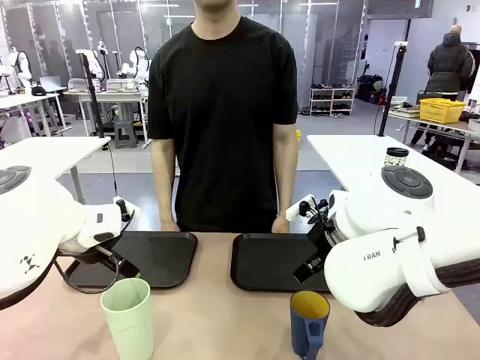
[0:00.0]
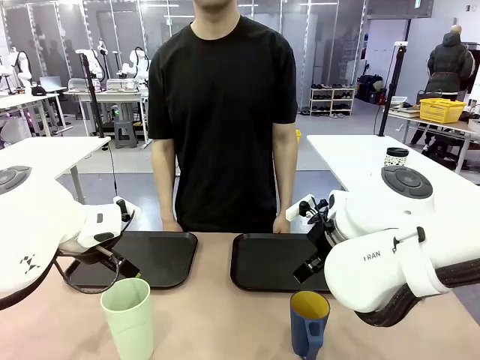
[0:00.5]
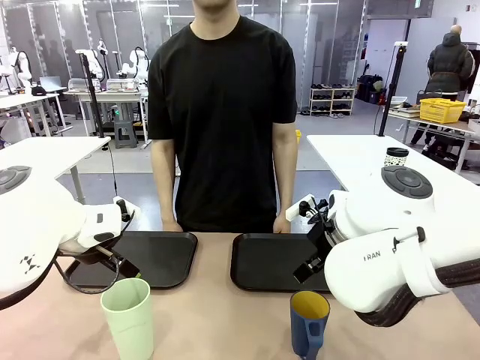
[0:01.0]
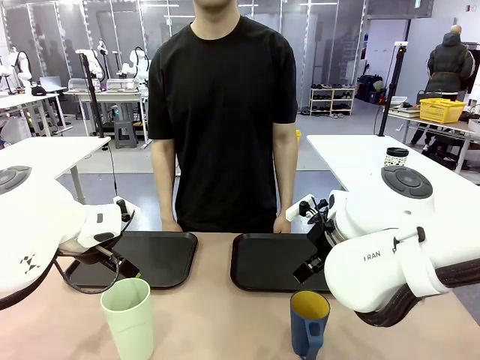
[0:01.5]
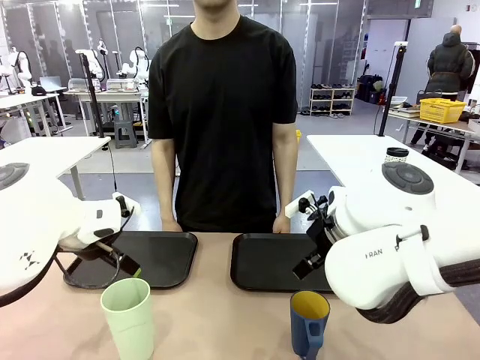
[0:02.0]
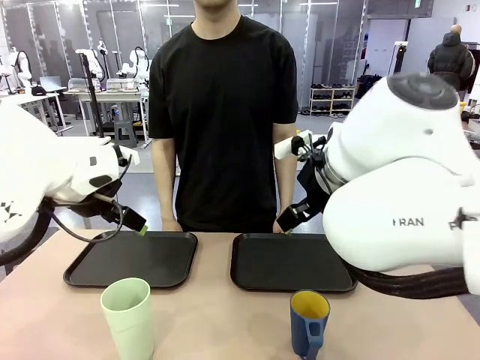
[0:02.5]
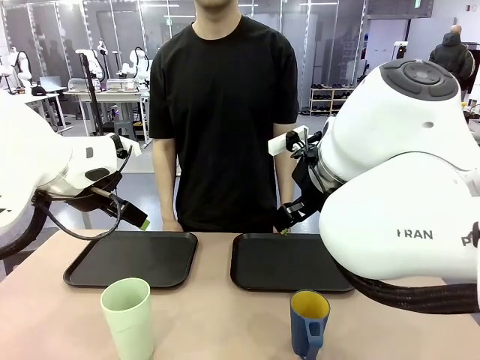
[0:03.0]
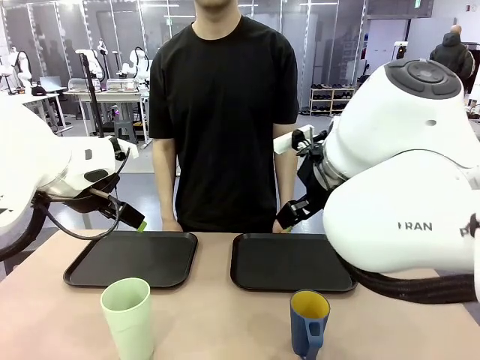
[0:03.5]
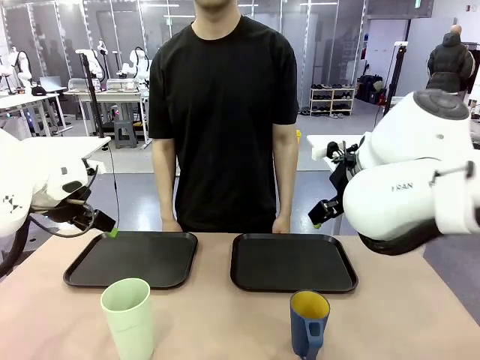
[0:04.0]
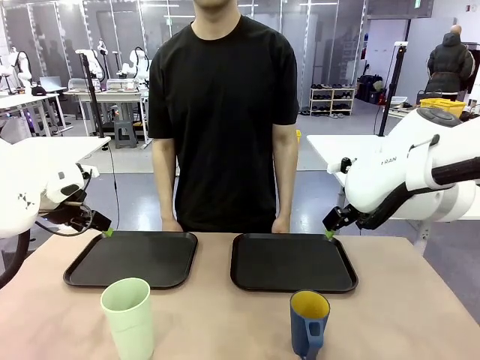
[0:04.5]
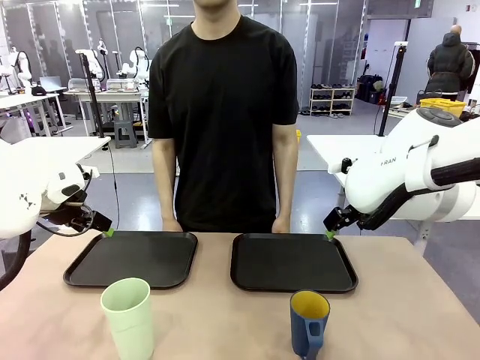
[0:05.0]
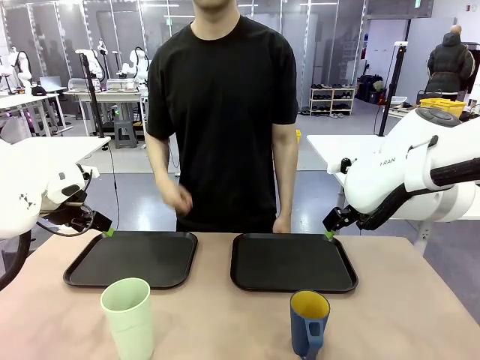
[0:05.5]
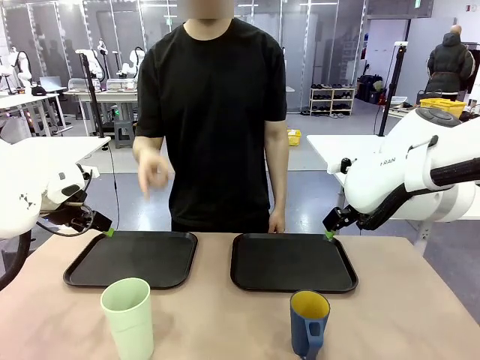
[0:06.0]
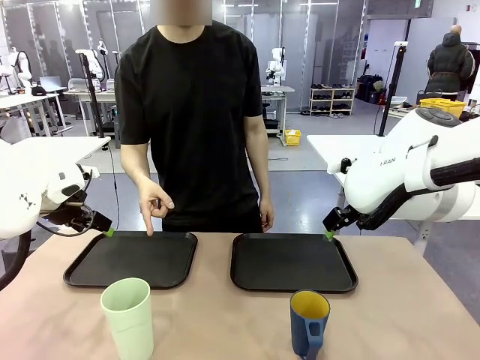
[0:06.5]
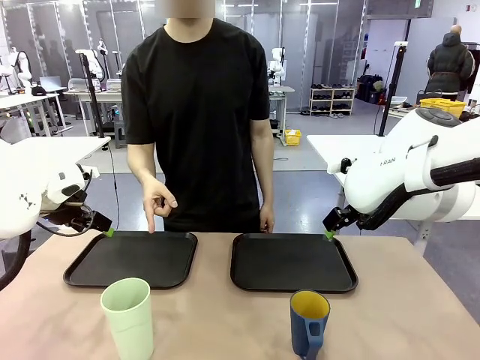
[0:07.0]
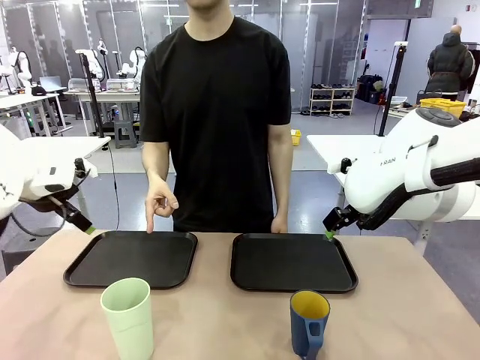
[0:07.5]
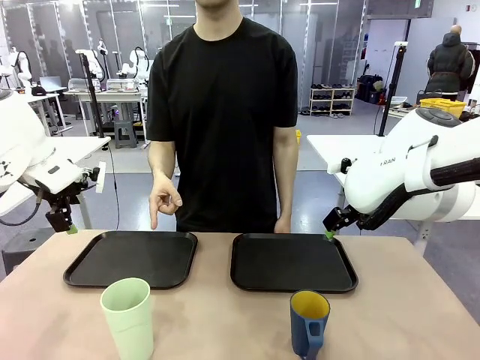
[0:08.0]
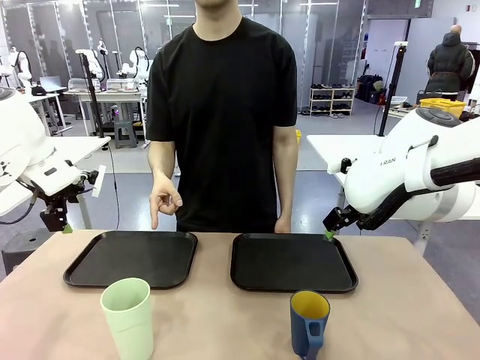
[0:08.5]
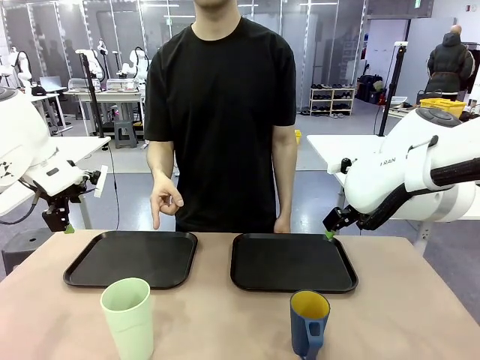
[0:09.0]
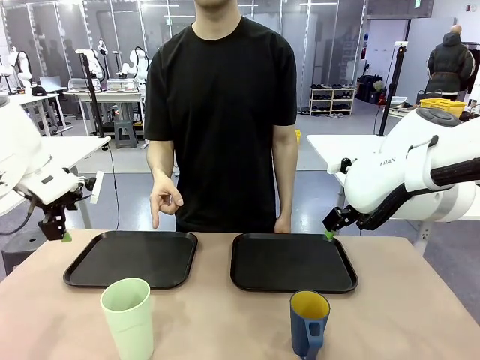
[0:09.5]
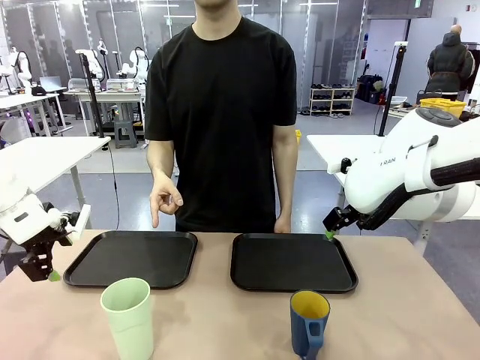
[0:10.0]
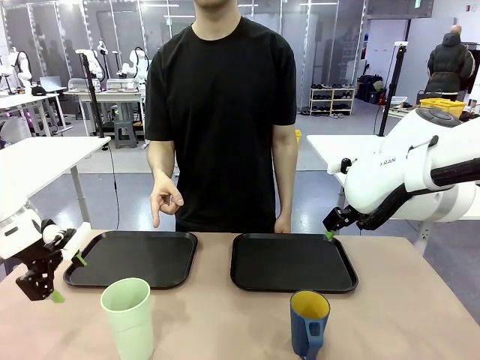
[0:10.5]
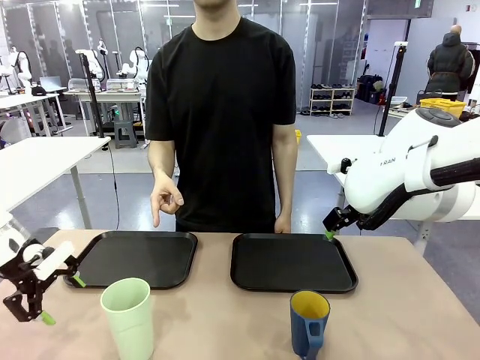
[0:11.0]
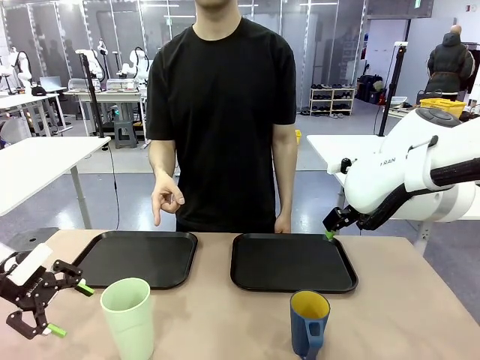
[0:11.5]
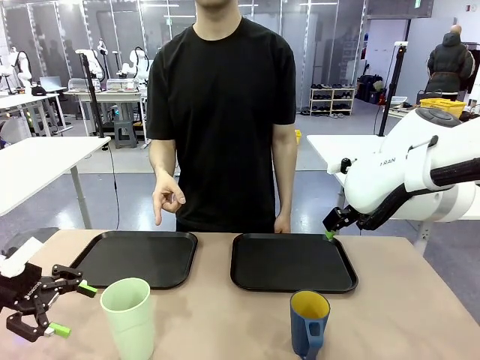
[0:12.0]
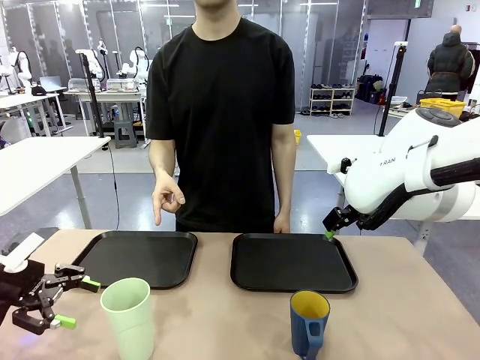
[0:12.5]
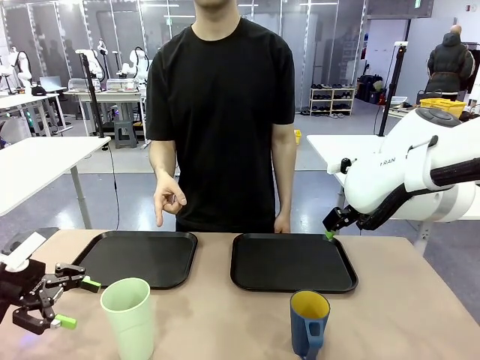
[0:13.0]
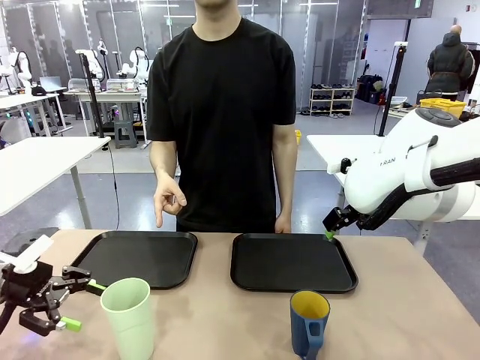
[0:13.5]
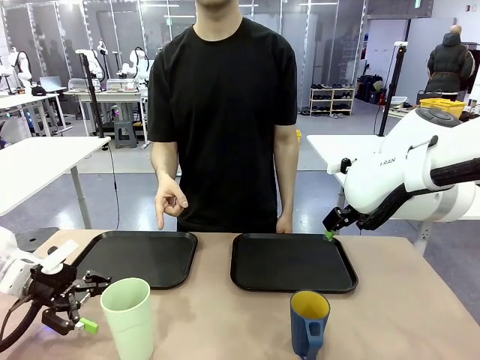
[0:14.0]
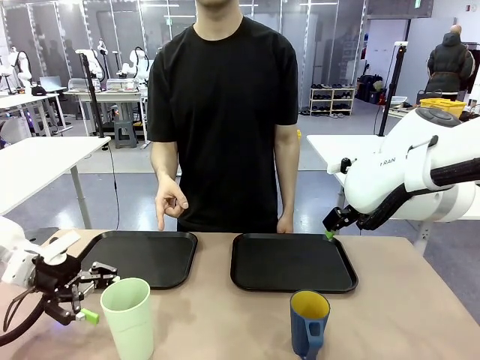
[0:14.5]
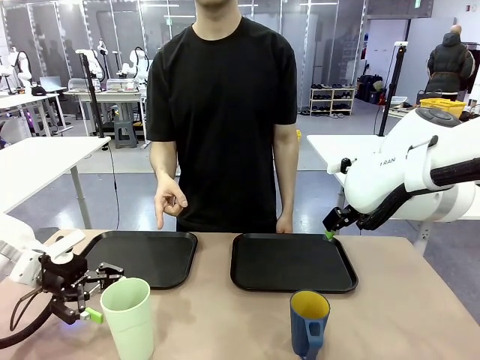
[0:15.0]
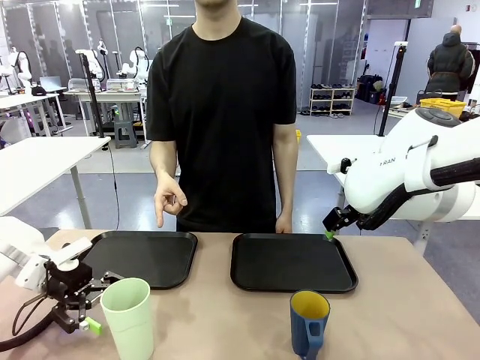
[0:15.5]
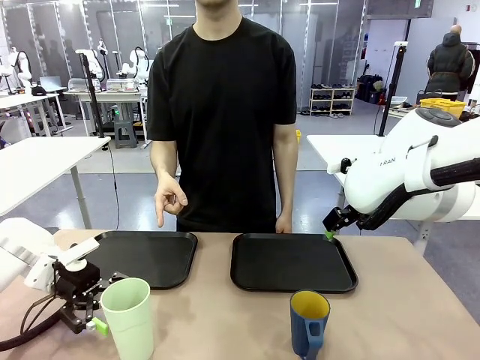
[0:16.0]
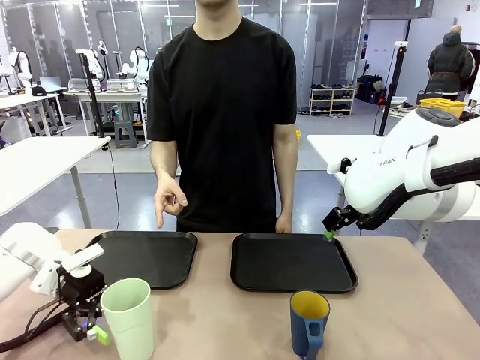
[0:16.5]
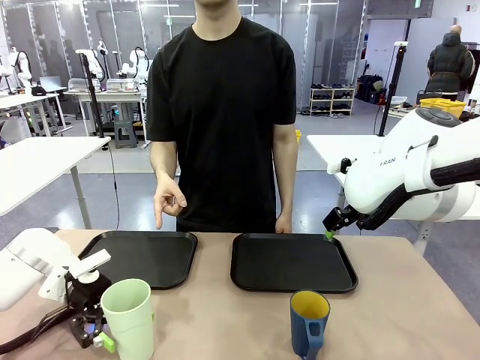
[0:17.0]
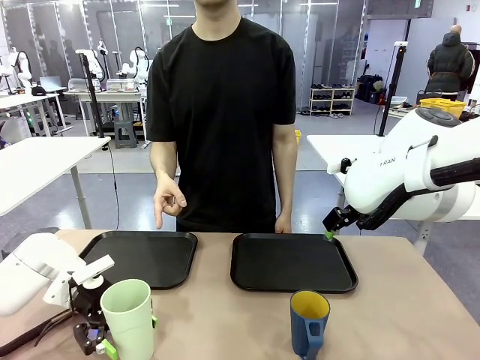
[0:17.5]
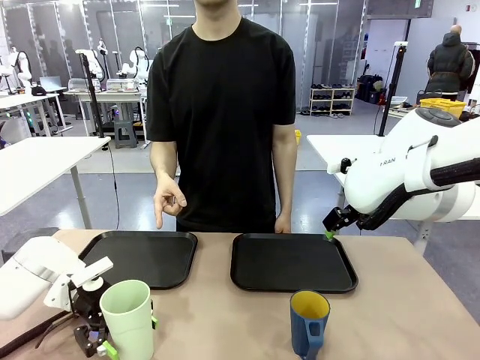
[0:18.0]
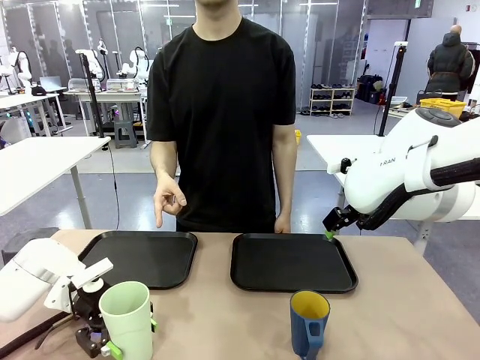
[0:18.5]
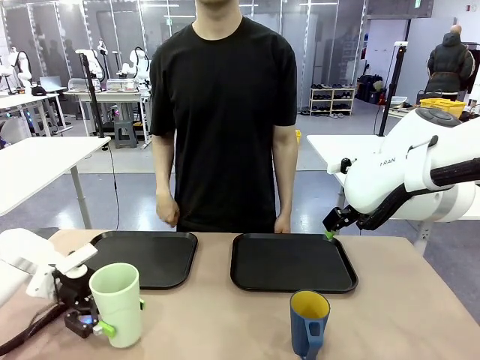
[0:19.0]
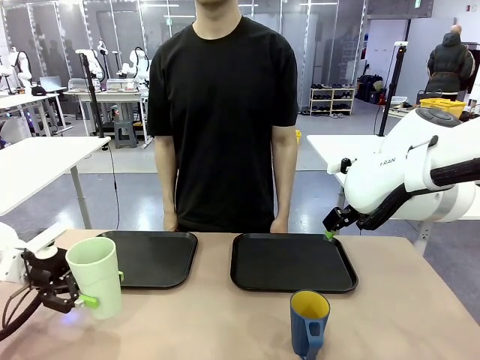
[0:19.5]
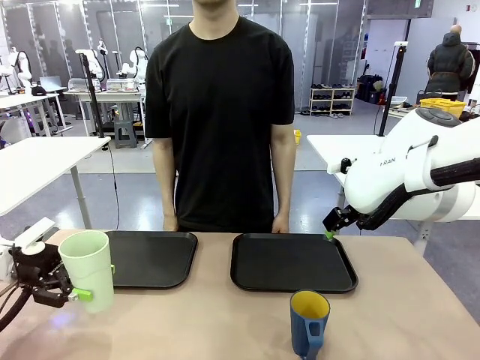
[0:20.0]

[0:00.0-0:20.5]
Task: Sort and store the cups by type.
Robot: Pick up the Reusable plastic cup.
Person: Points to the reusable cup. Point to one of the two trays.
